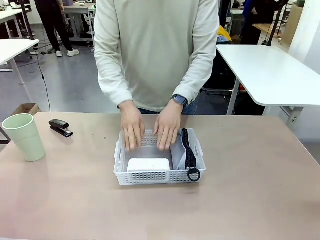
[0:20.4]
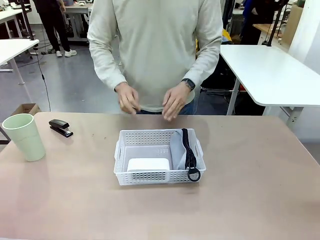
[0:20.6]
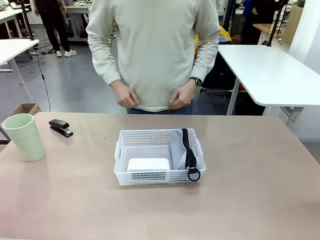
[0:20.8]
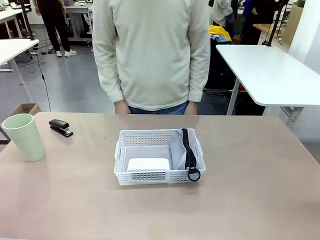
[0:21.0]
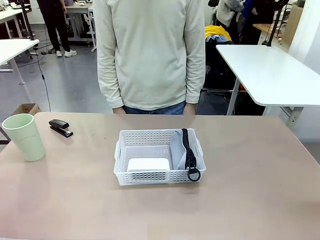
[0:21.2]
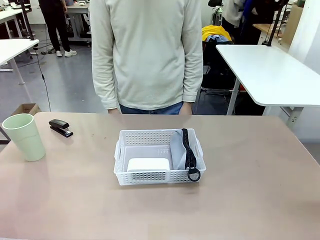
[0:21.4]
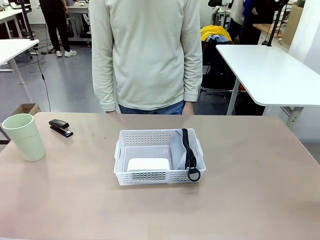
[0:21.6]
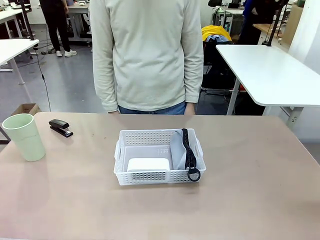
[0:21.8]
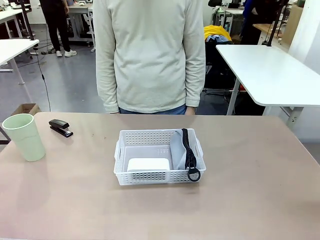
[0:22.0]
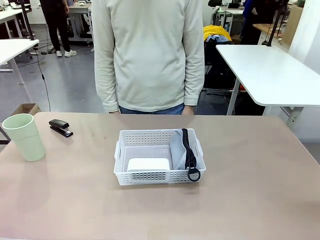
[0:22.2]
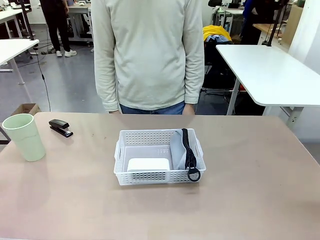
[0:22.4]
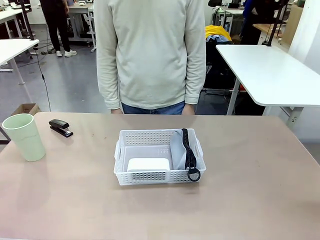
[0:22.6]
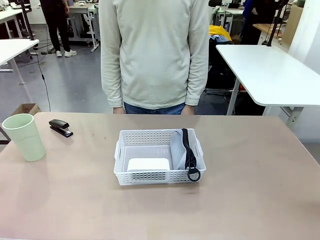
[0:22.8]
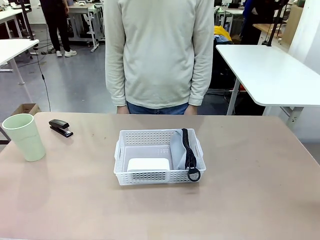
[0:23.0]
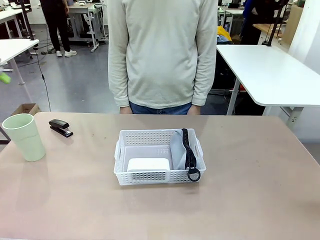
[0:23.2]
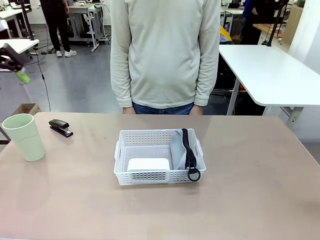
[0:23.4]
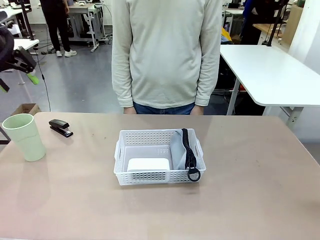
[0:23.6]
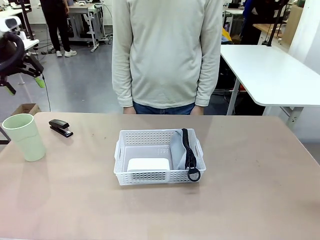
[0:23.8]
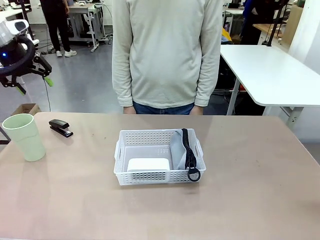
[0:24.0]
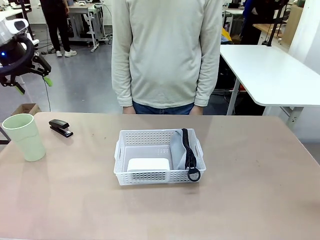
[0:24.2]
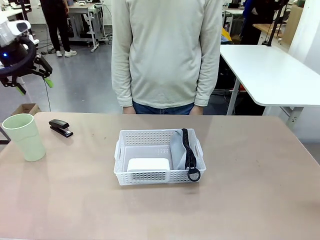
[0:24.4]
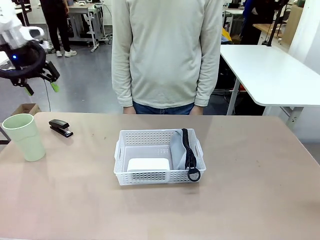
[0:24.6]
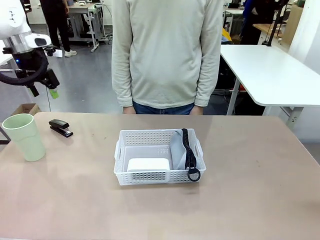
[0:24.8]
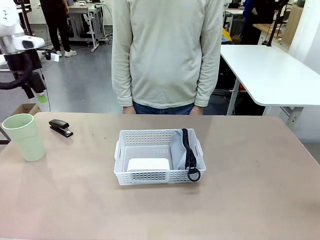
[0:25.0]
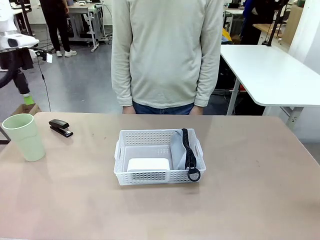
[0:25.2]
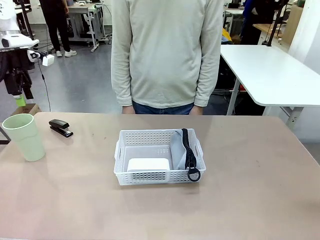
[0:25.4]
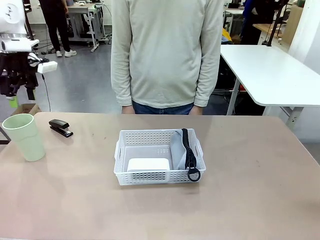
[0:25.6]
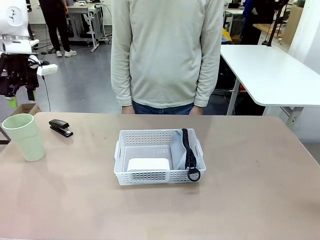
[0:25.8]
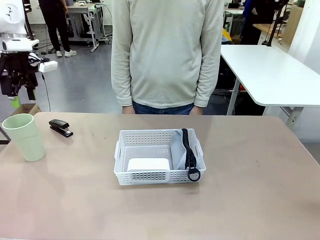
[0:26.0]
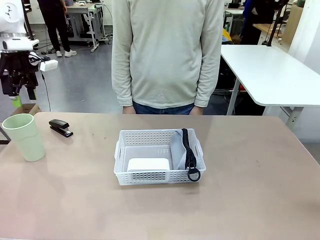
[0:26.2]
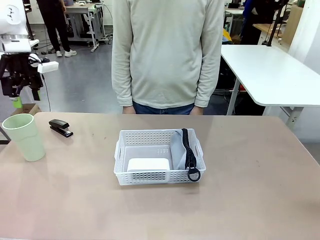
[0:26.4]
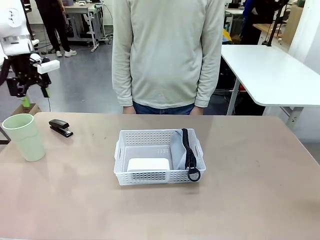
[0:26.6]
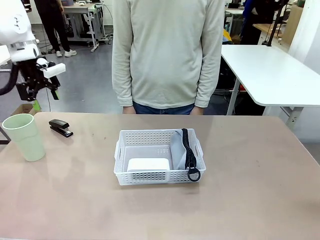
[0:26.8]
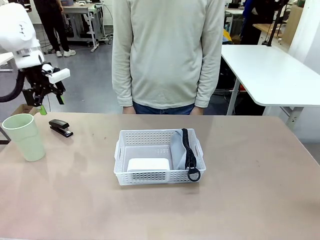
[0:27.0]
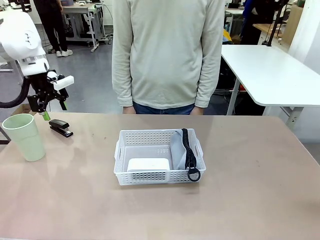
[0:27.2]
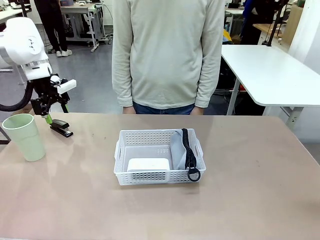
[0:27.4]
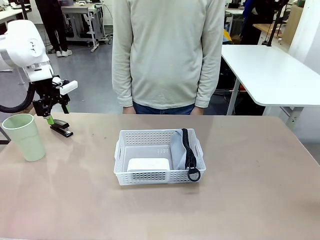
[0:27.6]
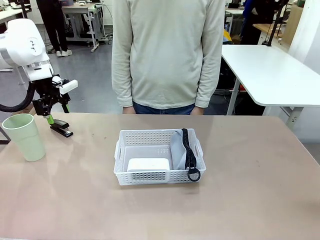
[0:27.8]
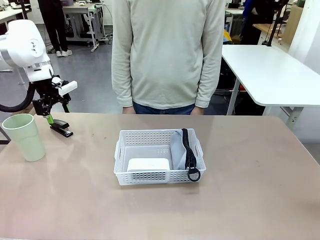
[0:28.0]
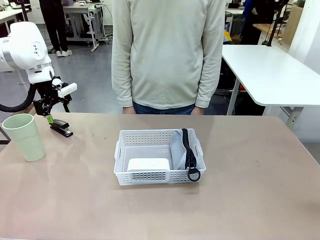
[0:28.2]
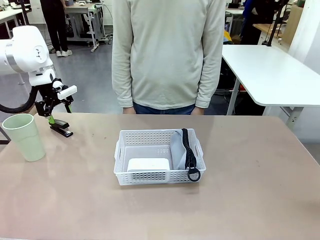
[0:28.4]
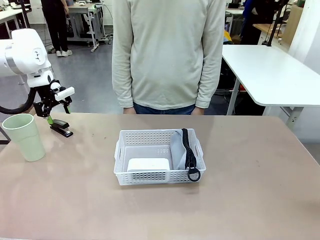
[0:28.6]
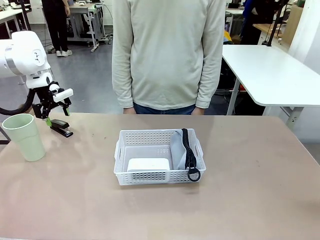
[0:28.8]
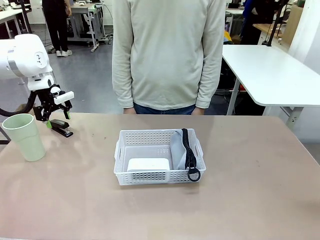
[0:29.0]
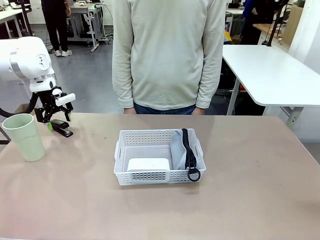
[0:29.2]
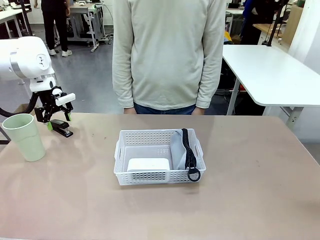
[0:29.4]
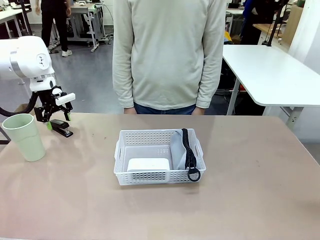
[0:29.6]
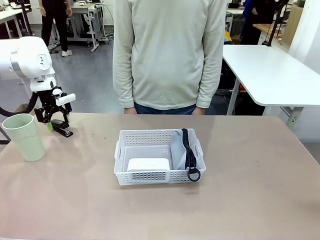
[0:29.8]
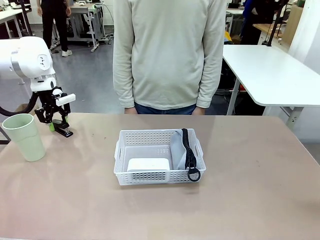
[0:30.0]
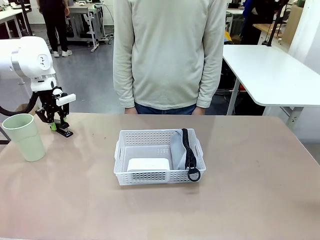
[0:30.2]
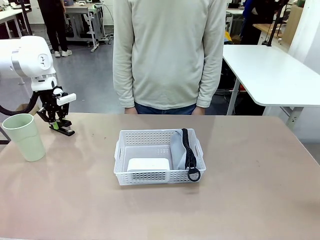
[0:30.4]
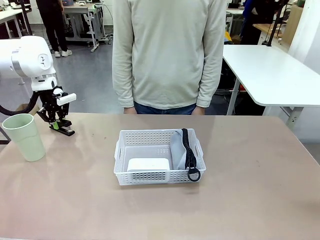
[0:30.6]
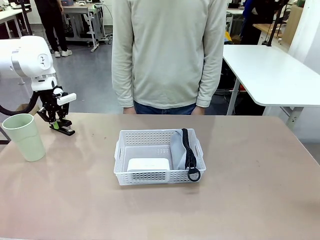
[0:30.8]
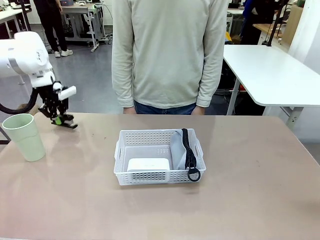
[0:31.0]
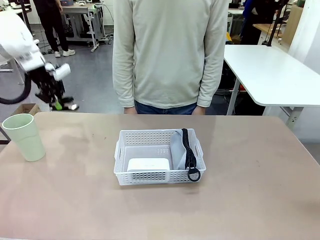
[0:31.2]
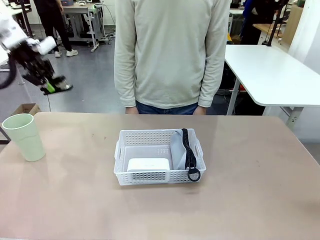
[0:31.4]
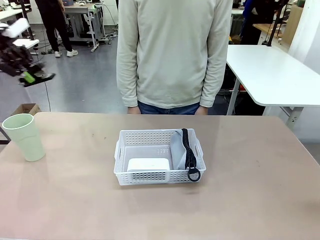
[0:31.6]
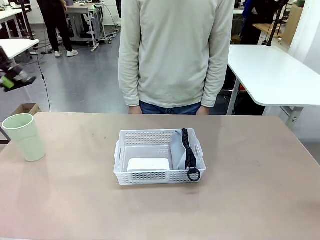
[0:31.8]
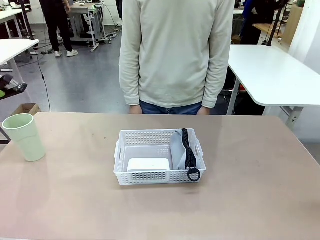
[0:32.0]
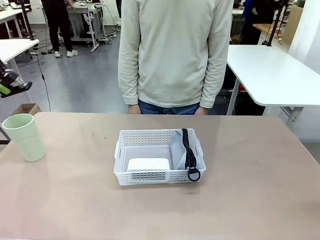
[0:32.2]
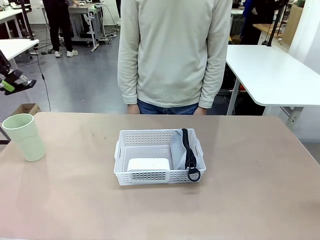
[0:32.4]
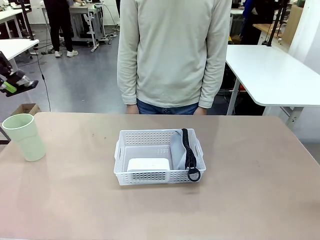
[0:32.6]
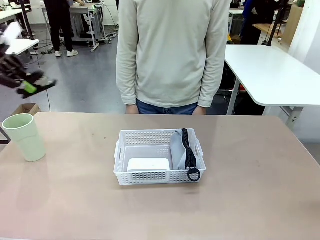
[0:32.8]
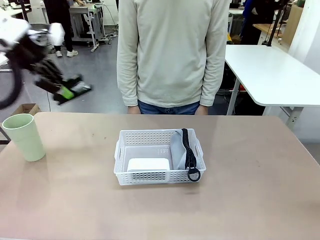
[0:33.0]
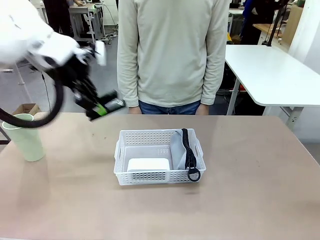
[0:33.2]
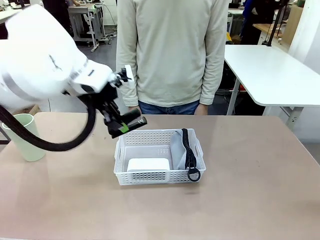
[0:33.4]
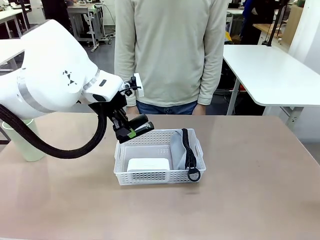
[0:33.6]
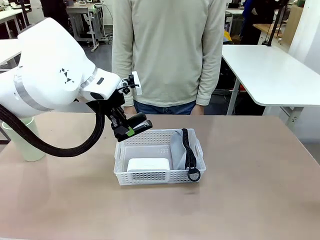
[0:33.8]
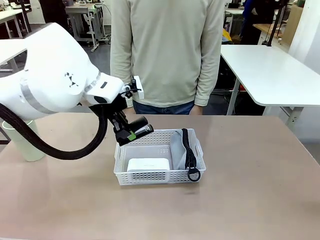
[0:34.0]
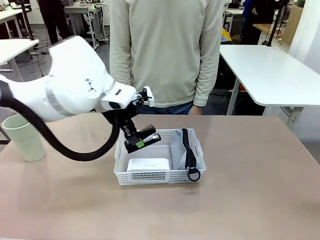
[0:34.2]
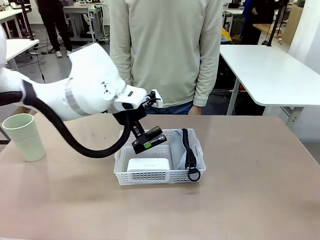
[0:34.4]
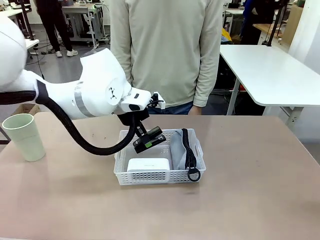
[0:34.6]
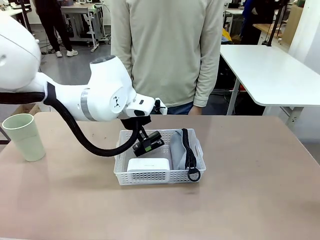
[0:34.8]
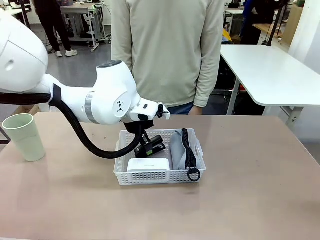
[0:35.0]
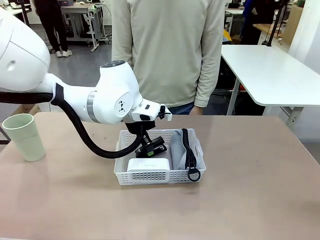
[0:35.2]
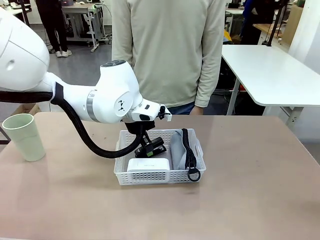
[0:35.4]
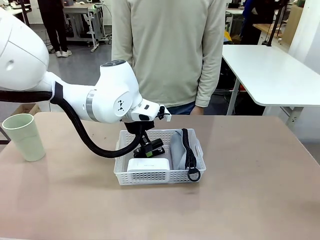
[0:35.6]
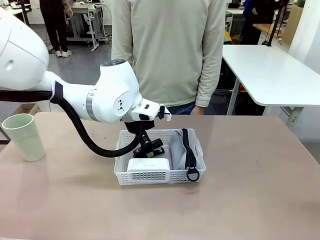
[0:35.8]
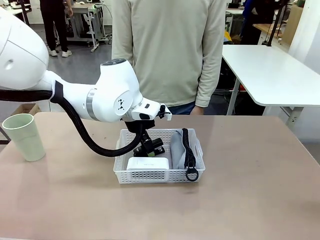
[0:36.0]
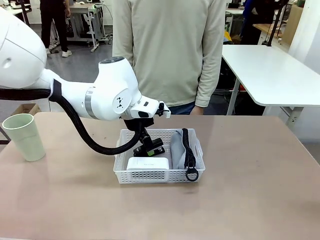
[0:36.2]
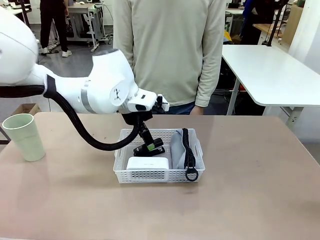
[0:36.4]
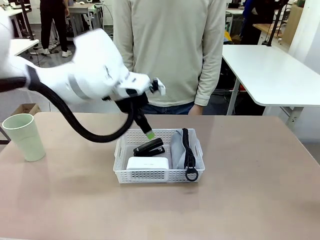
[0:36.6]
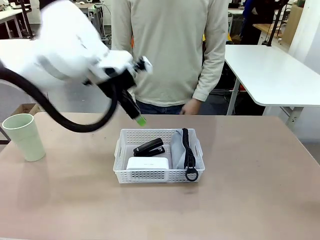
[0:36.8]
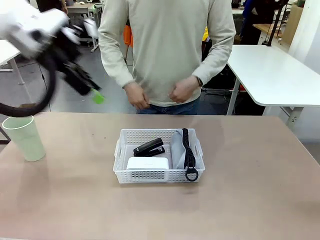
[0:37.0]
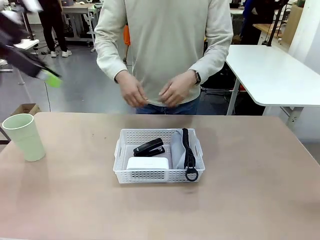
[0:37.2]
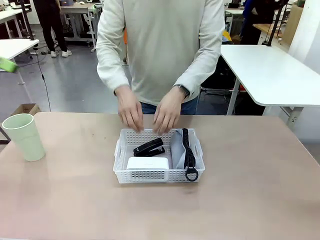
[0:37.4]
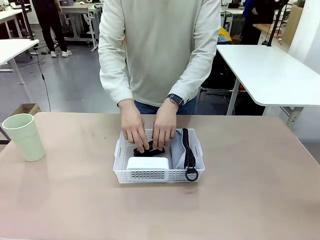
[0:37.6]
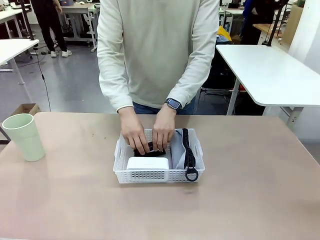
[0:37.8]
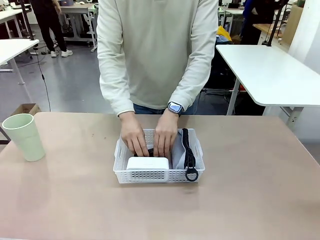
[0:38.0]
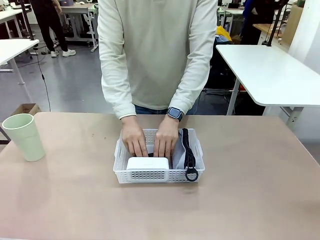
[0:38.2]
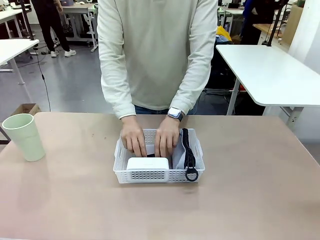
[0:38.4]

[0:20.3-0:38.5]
Task: Efficiently arrange items inside the basket to fit them all.
Robot: Pick up the Stapler and place it inside the Organizing basket.
